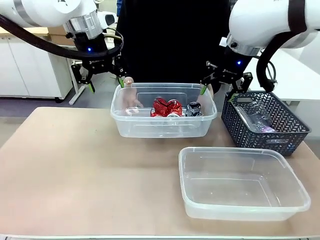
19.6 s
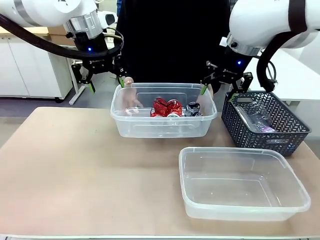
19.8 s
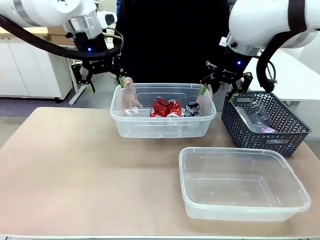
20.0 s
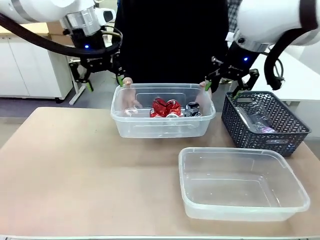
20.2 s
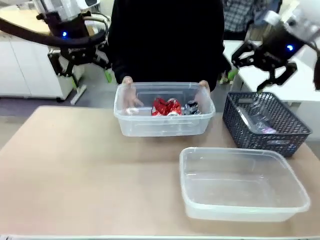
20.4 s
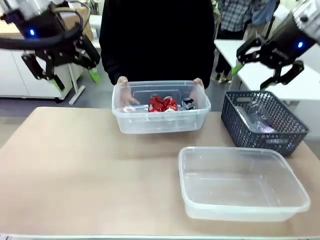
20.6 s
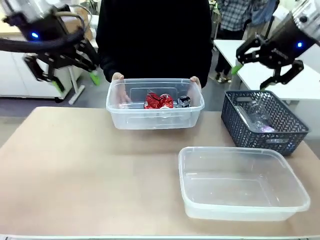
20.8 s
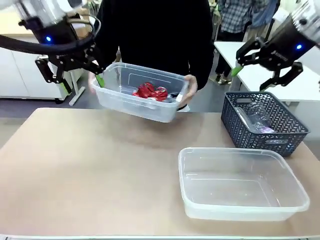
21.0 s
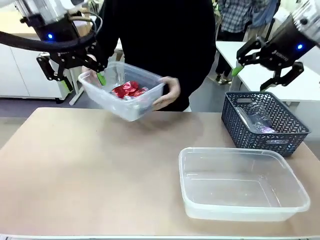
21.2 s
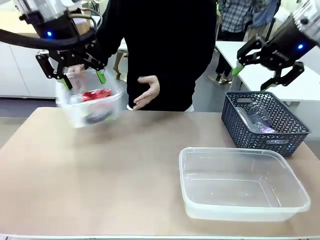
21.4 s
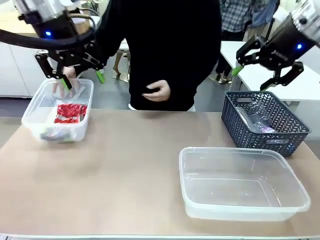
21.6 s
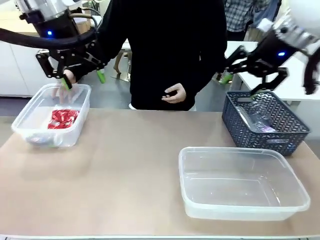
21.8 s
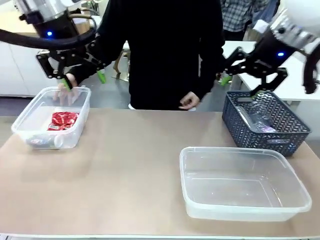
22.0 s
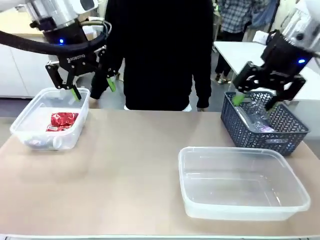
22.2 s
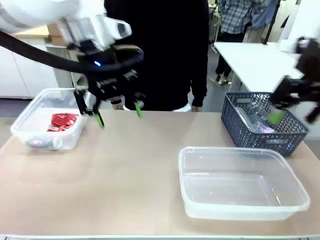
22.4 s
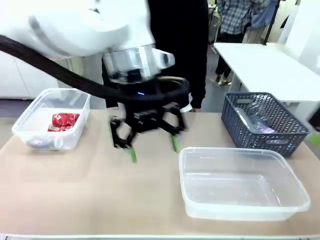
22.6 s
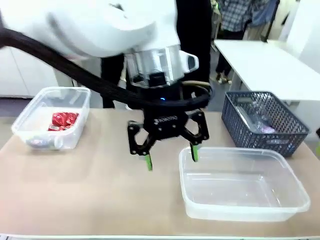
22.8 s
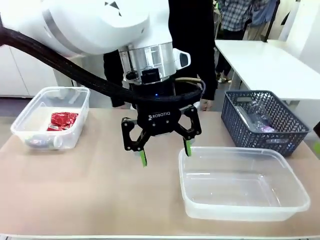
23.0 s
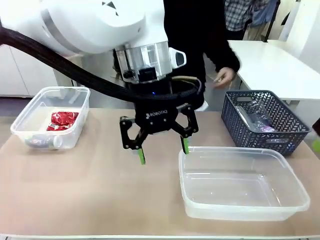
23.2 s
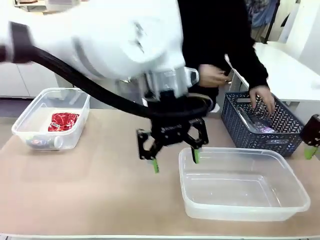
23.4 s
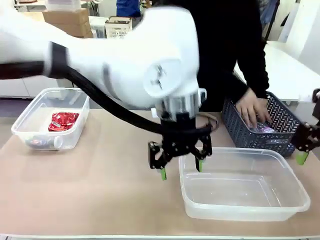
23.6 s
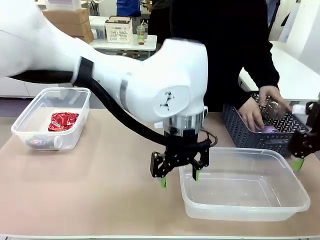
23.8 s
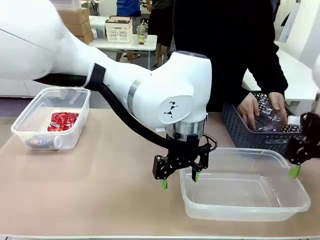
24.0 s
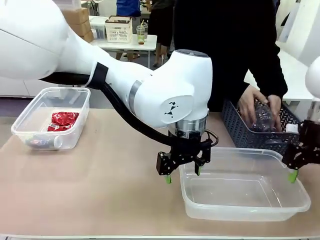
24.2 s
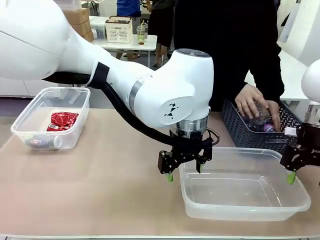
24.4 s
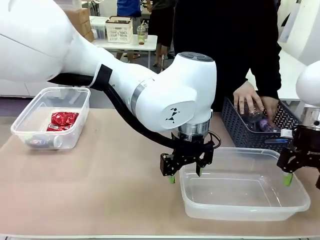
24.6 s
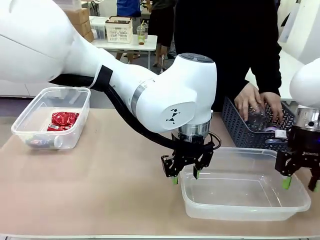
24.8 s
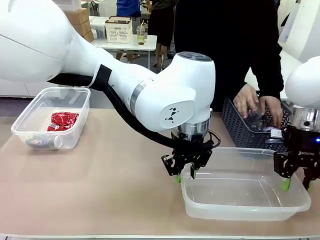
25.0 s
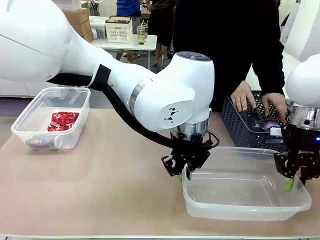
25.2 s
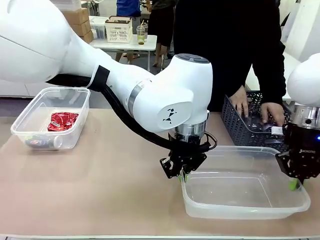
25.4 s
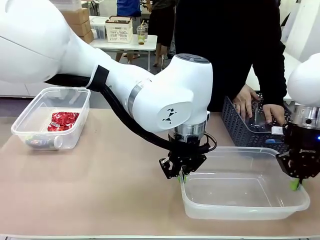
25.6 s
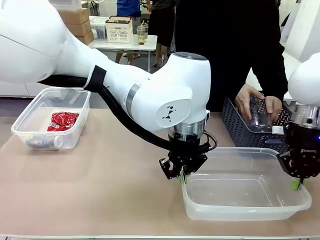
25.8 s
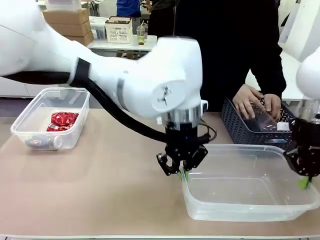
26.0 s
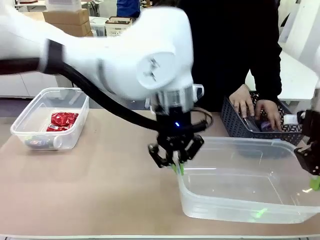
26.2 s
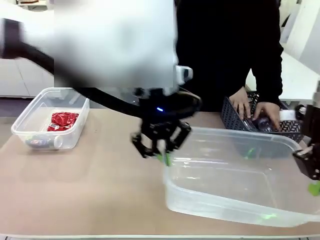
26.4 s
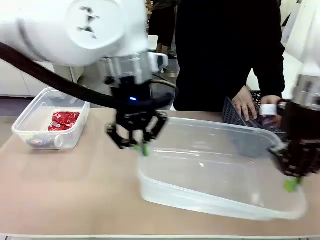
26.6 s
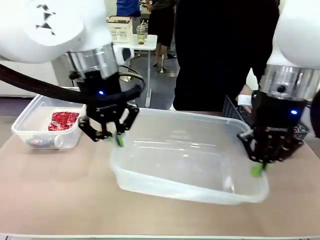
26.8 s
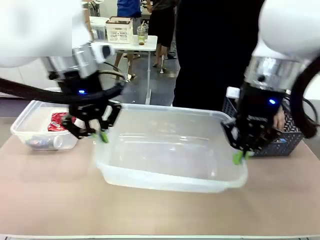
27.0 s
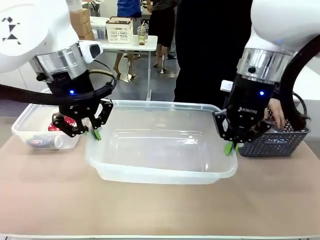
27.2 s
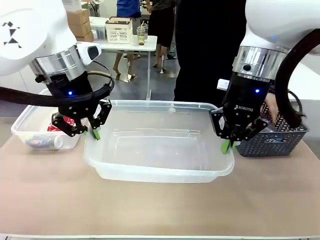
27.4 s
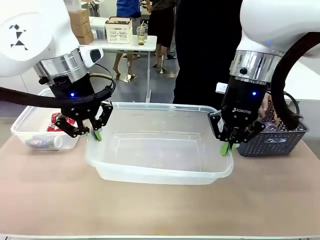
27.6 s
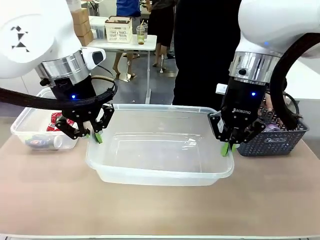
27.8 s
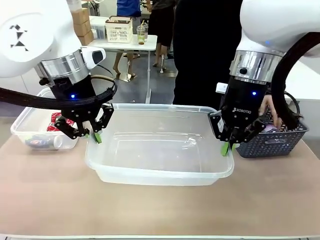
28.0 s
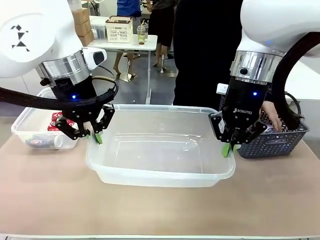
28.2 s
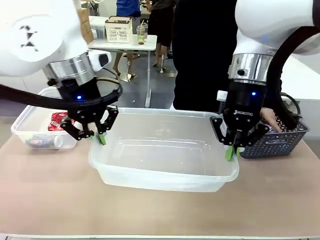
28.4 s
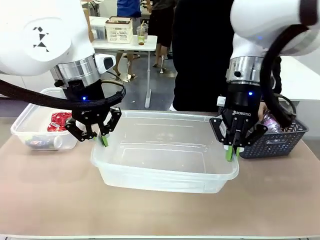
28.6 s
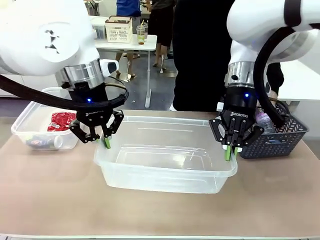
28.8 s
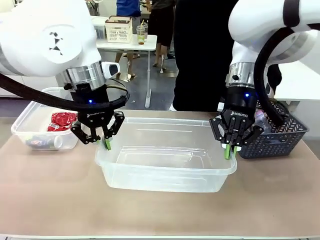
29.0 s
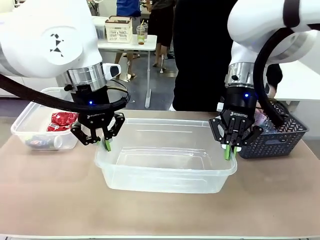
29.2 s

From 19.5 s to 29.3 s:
Robot: Pick up the Organizing box on the right side of the table and lift it.
Person: Place it at the edge of the bottom right area of the robot table. Pick up plastic waste one by one and place it into the organizing box lifted by the robot.

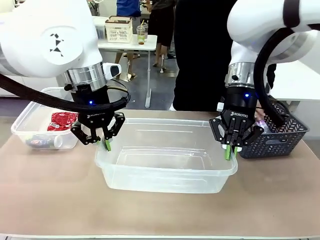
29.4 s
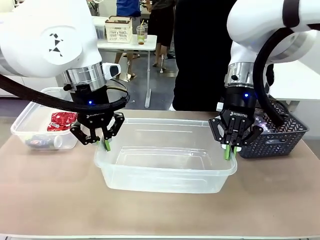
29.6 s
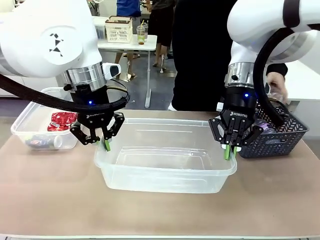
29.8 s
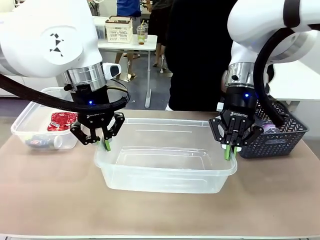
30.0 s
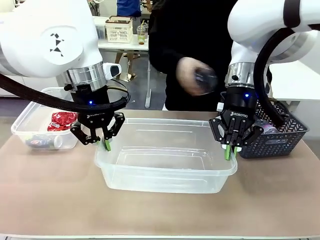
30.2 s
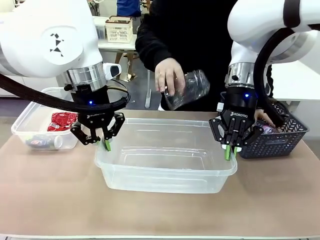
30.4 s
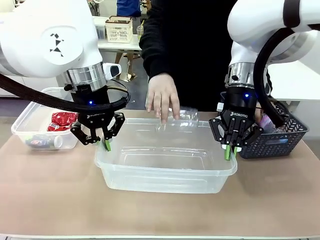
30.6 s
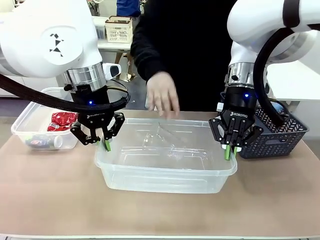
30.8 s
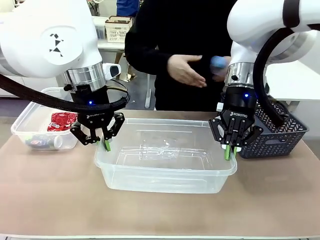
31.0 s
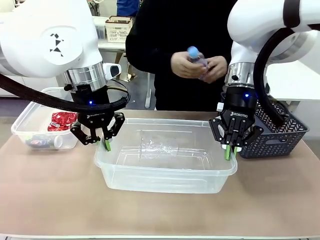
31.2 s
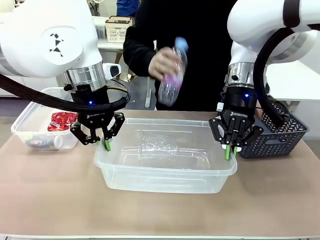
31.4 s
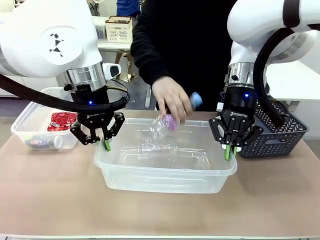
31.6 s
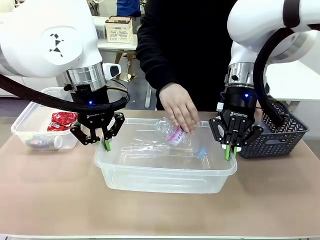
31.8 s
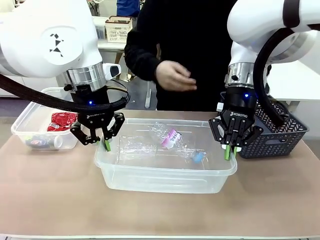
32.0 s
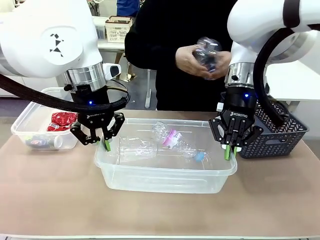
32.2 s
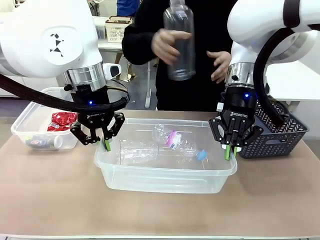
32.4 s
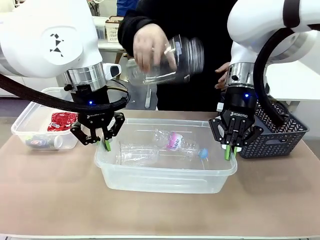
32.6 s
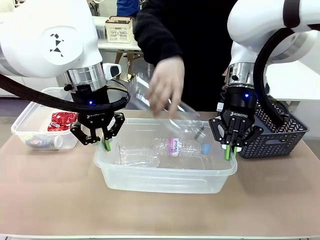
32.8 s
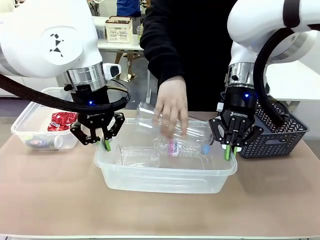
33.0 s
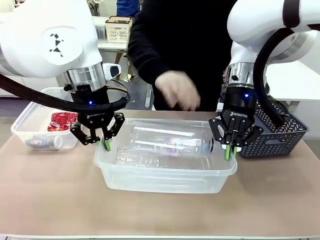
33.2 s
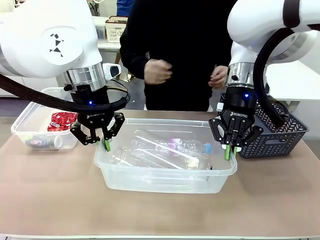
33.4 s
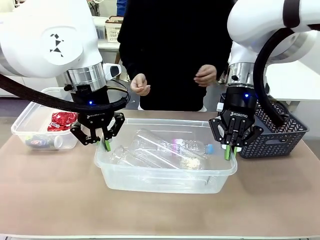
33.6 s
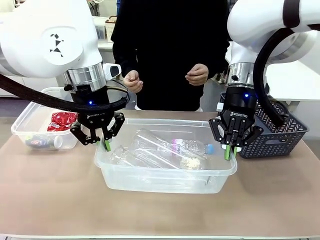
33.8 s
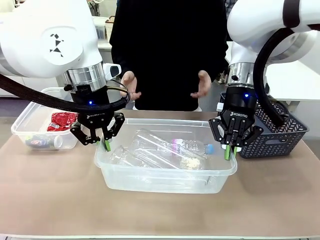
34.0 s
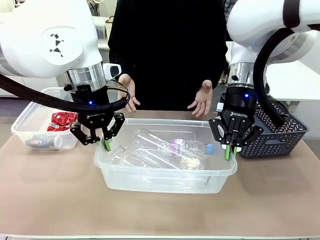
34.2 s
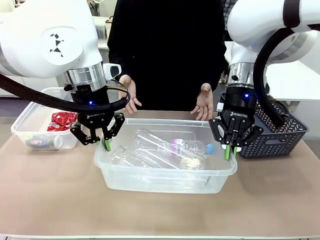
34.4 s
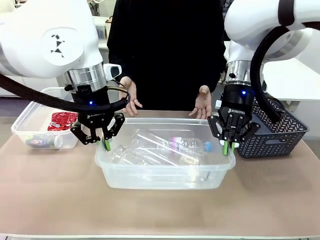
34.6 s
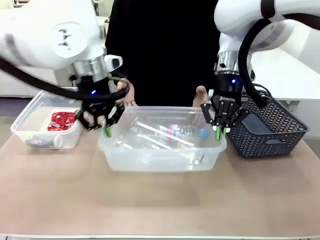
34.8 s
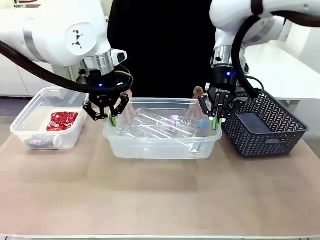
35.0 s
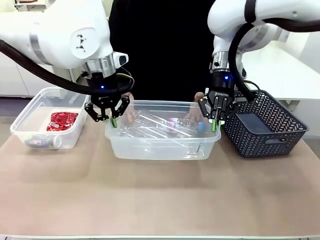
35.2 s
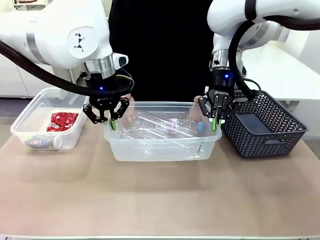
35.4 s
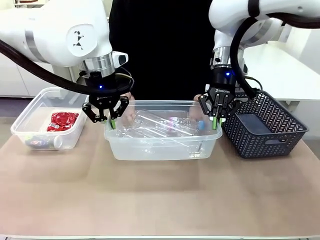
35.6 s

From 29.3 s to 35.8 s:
Robot: Offer the picked Organizing box to the human.

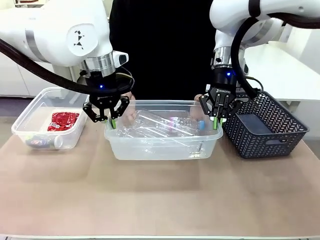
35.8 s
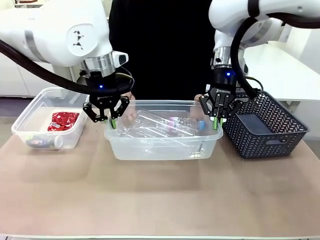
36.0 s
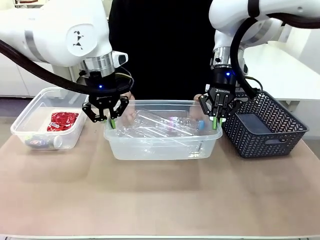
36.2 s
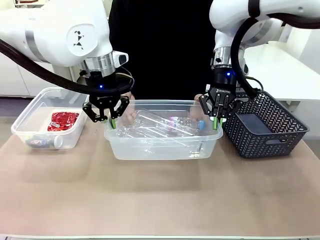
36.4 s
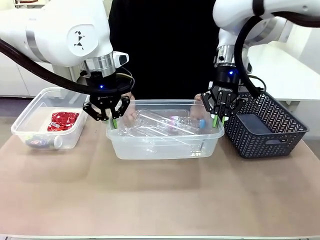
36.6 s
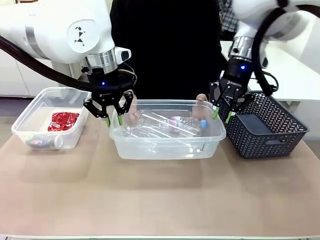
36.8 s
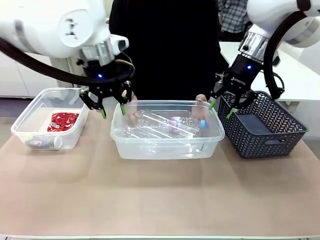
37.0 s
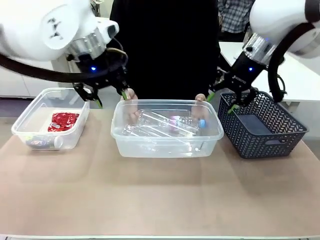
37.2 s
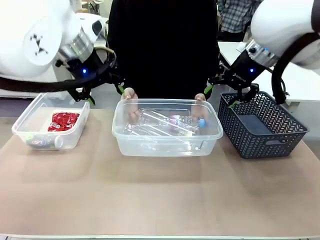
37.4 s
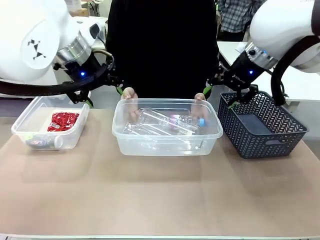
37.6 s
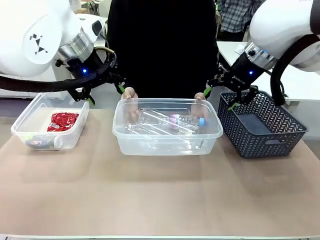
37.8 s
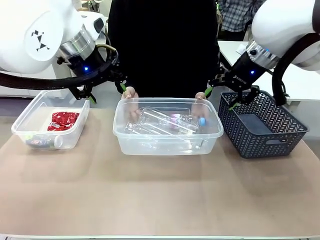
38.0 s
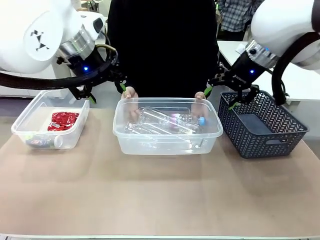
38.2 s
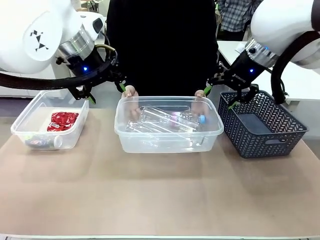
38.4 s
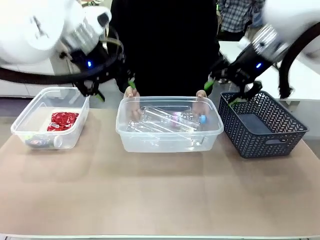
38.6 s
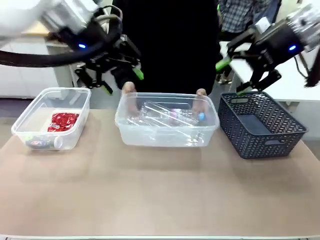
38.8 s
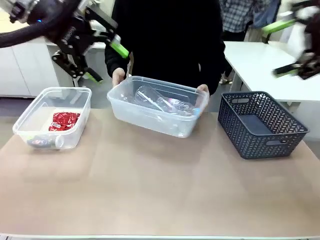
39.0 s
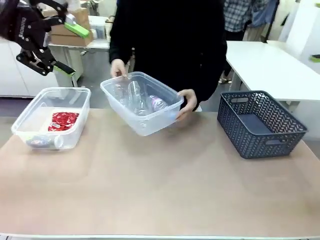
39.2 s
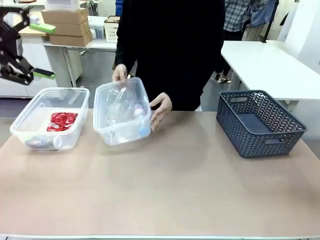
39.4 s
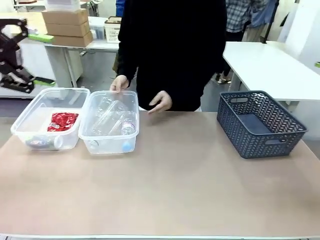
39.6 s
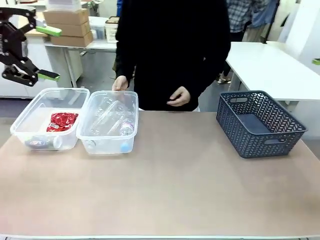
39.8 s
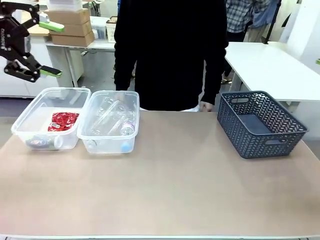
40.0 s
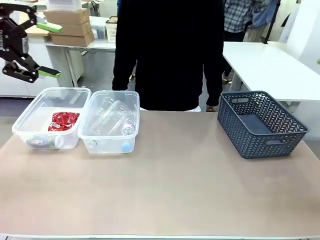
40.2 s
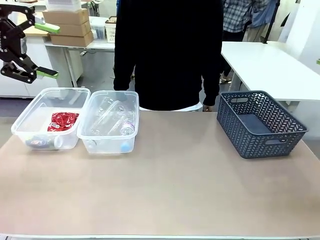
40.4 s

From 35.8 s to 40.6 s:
Robot: Release the Organizing box you were holding.
Person: Pick up the organizing box extended by the robot. Place the organizing box to the left of the sorting box containing the can waste.

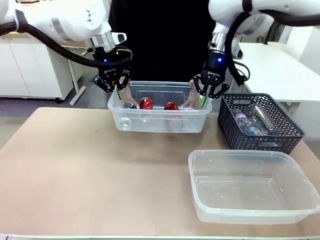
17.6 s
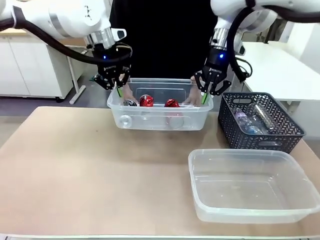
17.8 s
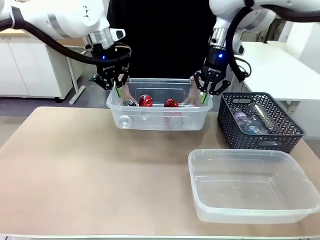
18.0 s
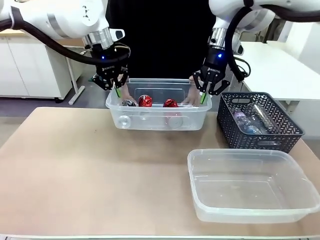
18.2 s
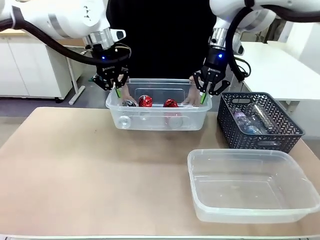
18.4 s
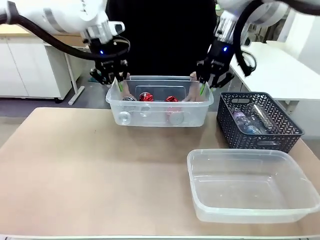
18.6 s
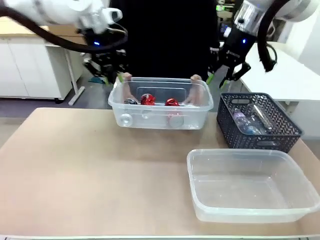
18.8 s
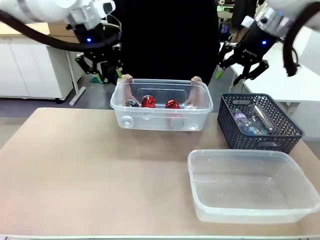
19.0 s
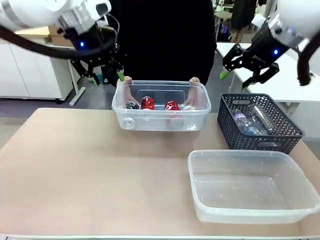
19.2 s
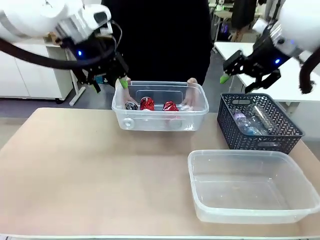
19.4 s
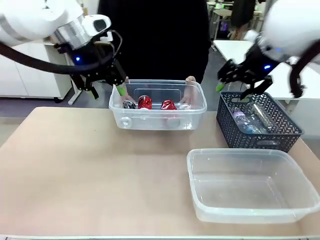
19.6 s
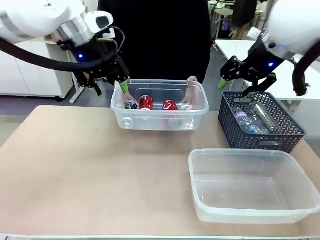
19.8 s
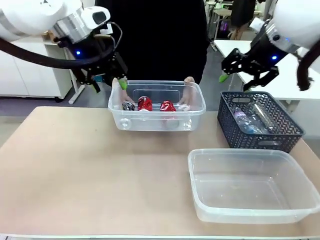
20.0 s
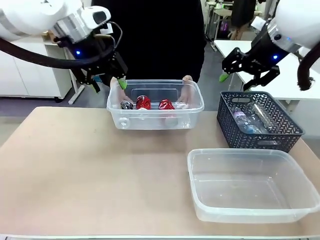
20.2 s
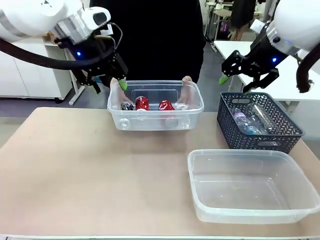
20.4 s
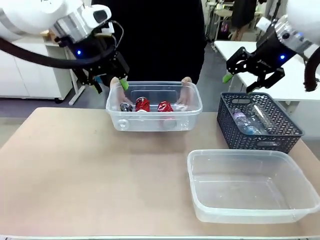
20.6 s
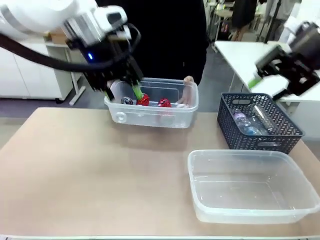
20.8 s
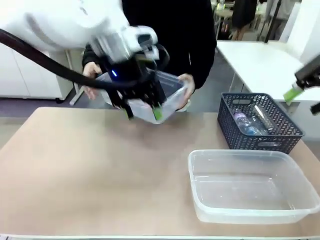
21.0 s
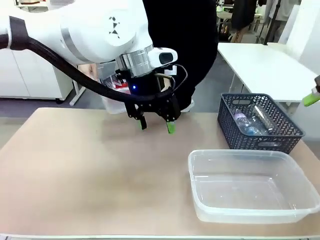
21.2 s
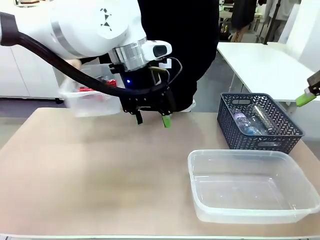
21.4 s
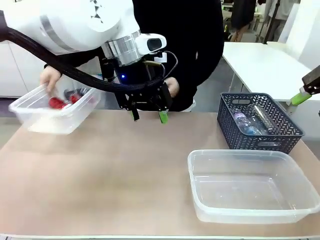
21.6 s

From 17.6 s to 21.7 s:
Robot: Release the Organizing box you were holding.
Person: Pick up the organizing box extended by the robot. Place it at the edge of the bottom right area of the robot table.
